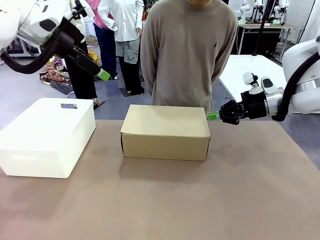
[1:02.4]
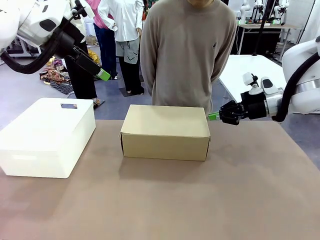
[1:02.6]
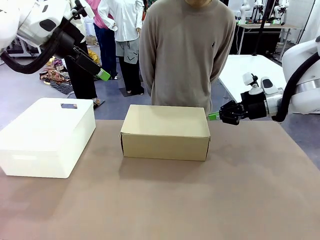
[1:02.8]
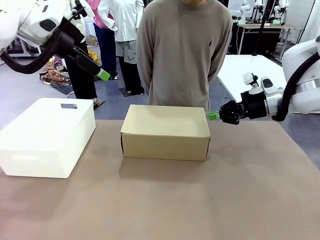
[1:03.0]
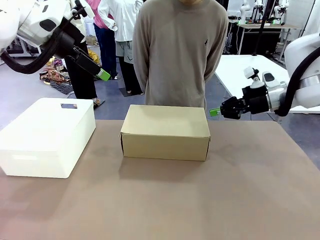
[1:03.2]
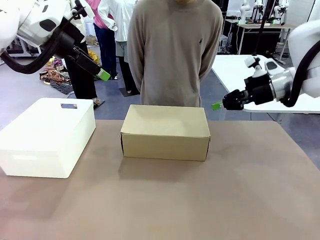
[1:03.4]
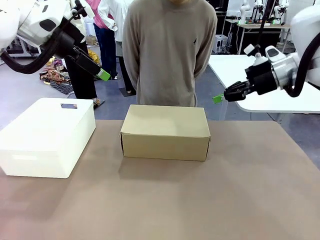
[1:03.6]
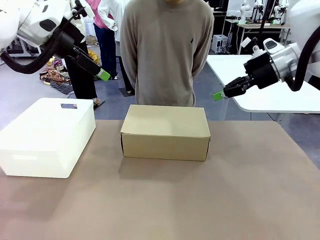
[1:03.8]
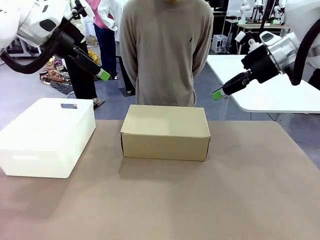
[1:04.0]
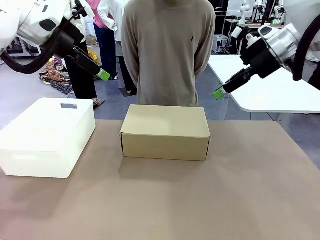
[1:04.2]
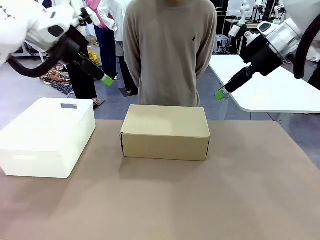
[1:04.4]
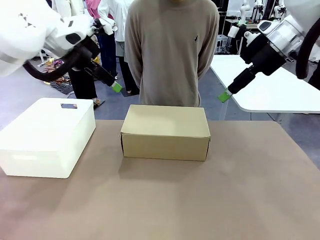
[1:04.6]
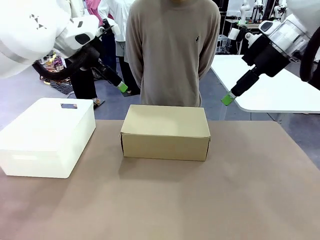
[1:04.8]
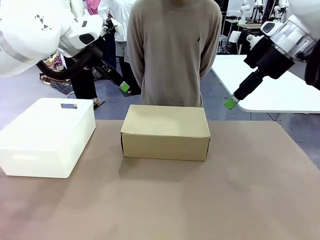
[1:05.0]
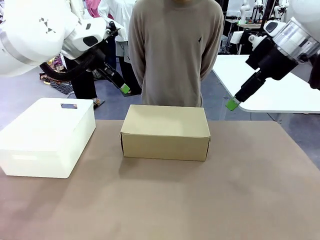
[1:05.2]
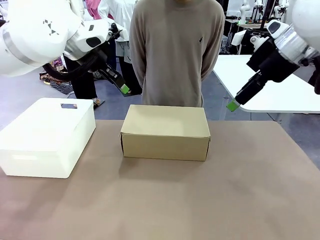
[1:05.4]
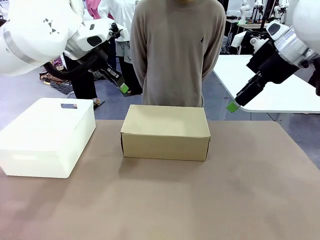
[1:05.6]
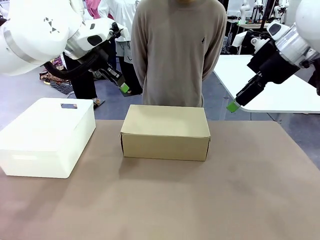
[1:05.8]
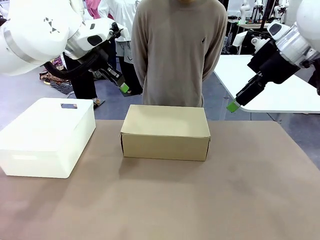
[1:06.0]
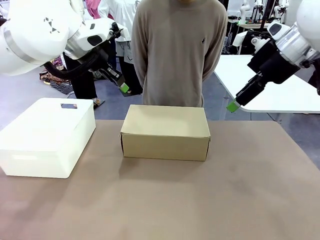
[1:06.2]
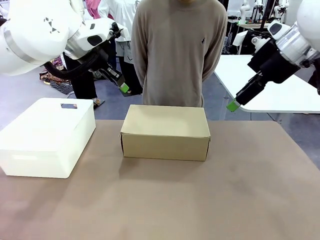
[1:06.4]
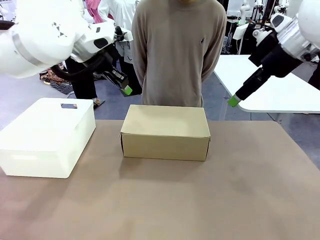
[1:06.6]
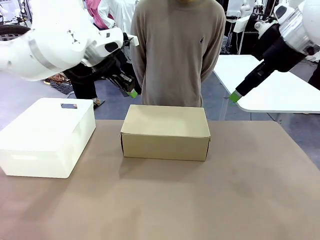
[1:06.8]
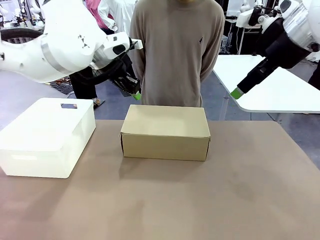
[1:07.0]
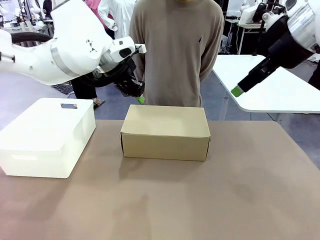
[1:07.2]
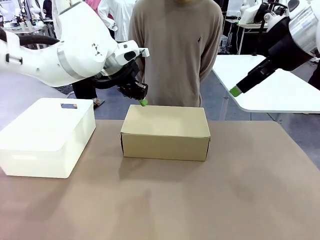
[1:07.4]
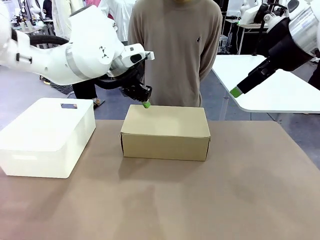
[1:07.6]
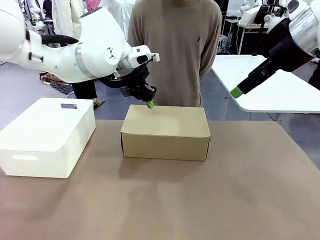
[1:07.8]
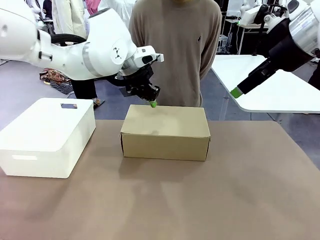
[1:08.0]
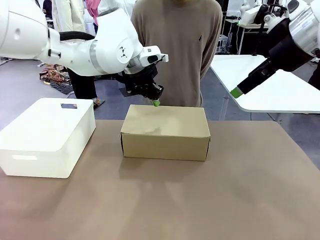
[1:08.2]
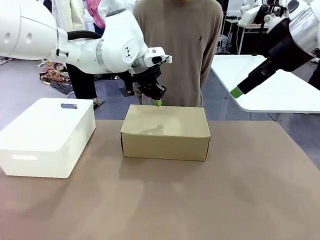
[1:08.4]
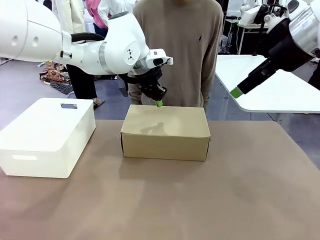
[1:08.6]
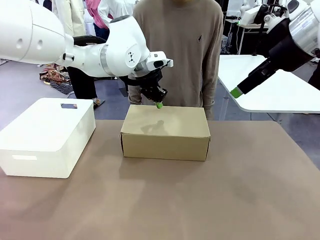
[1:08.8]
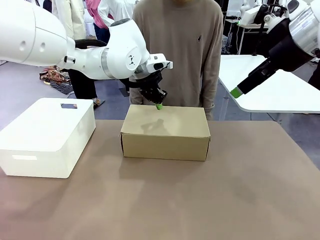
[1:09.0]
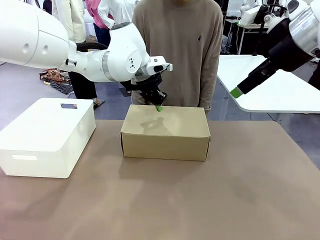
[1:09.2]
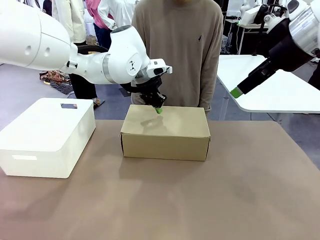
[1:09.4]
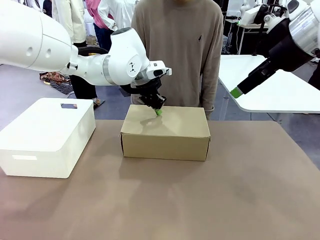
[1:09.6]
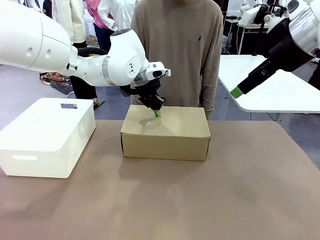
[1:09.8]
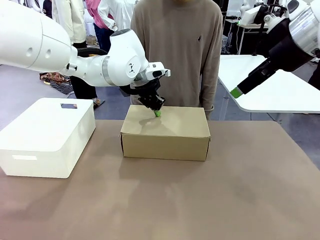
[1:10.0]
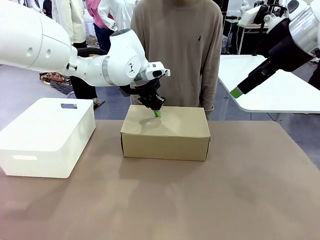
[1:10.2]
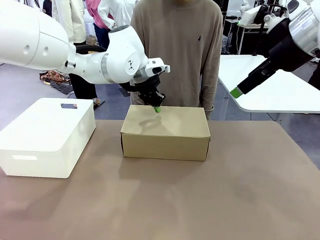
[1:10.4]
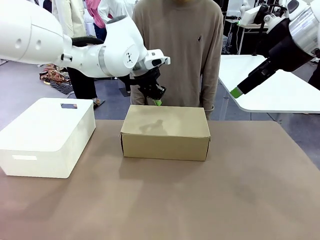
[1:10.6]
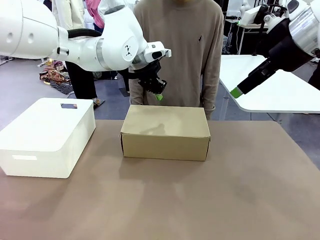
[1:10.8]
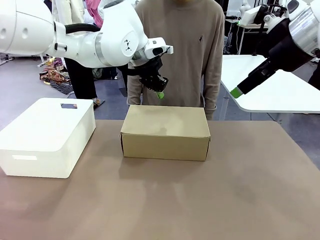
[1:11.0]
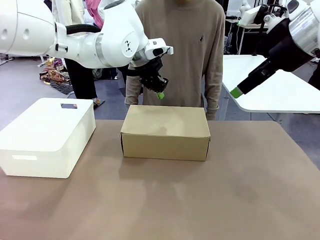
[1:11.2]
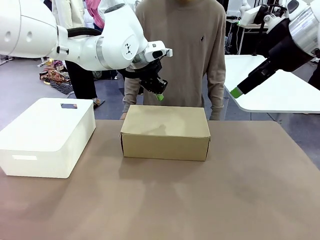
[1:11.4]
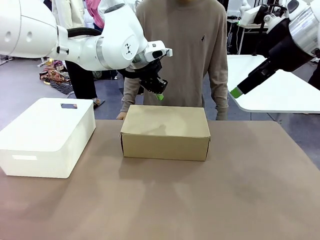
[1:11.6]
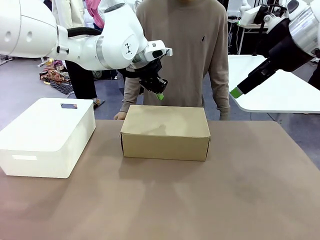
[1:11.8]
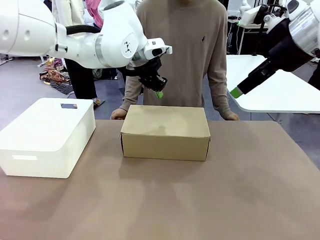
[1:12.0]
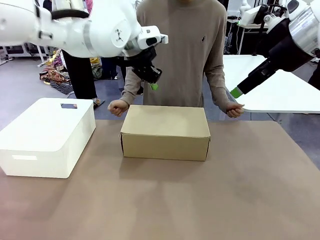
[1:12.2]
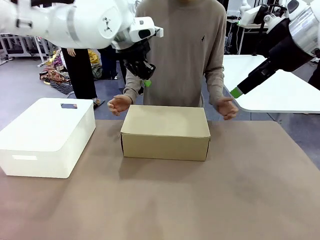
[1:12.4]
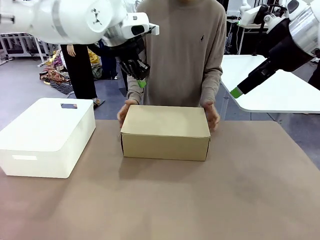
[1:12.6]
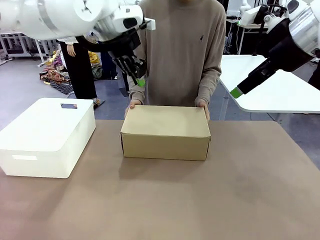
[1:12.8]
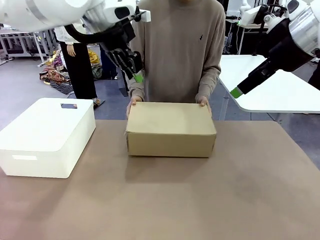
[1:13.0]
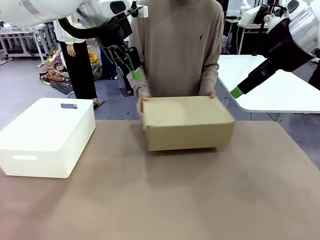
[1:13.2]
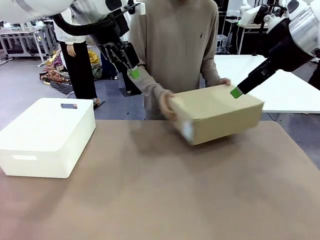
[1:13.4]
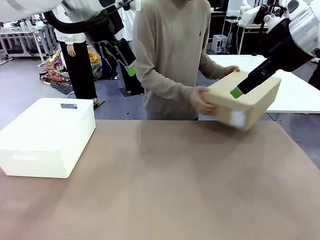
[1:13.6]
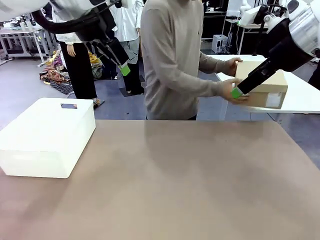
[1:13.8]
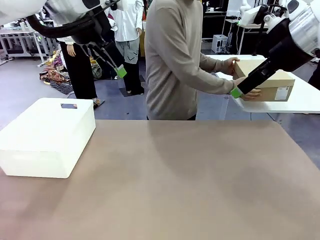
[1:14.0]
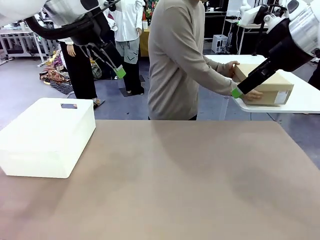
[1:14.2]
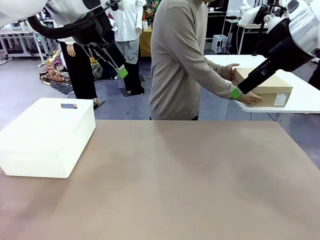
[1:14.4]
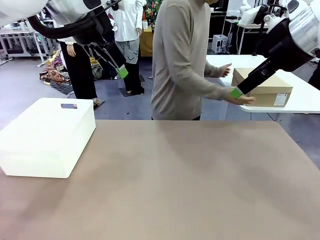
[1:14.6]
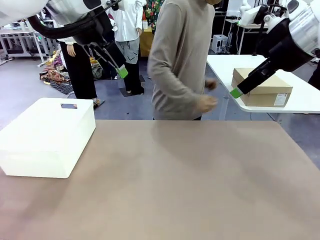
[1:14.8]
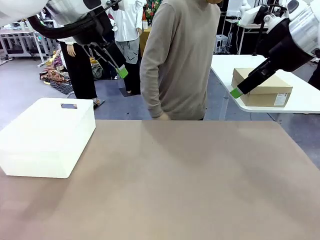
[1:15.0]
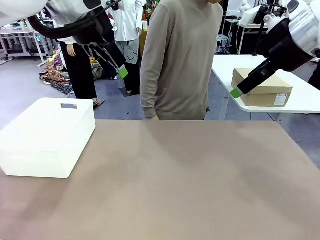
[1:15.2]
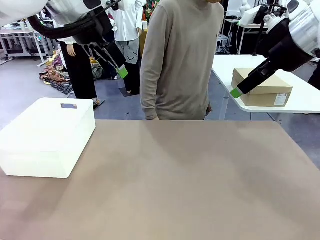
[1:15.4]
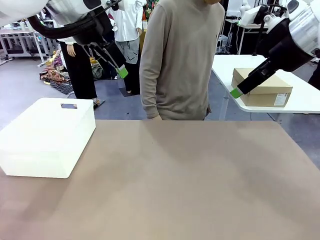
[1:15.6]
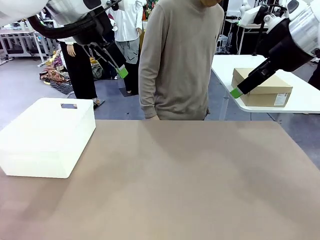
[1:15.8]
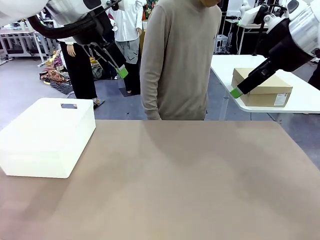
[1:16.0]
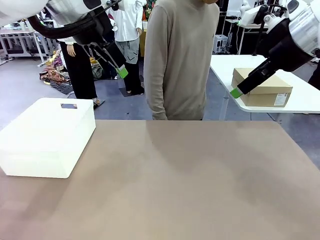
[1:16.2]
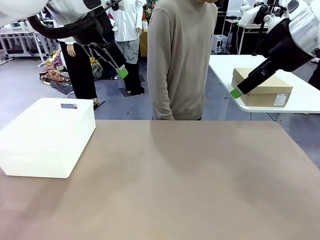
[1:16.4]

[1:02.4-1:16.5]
Task: Pack the shoes into the box.
Robot: Press down on the lid of the Shoes Box.
Person: Place the closed Shoes Box to the right side of the human table.
